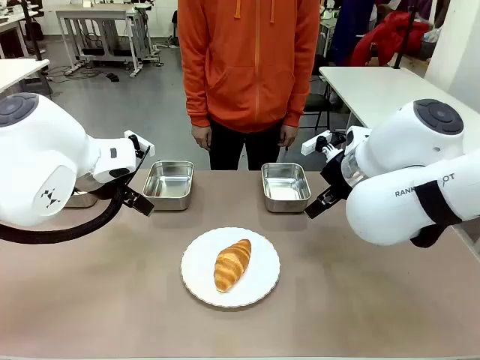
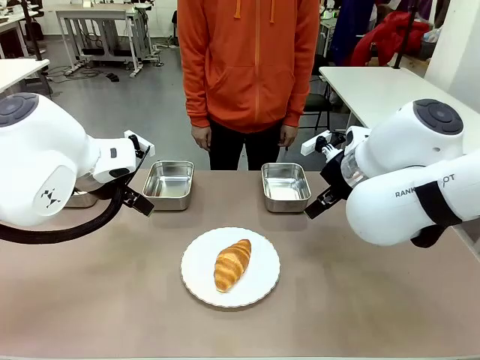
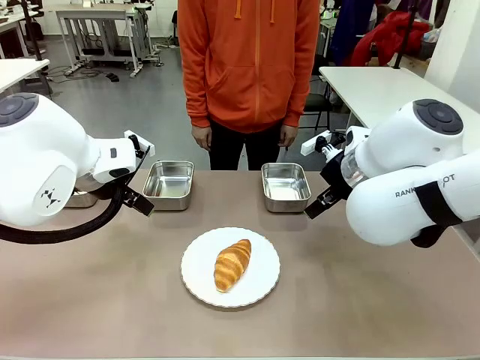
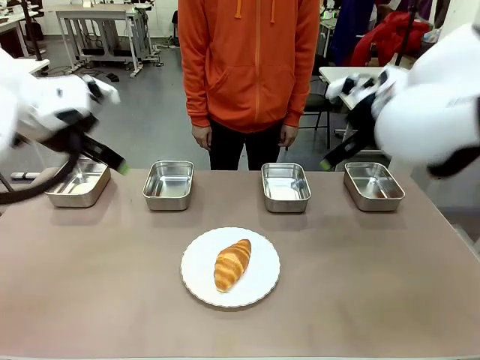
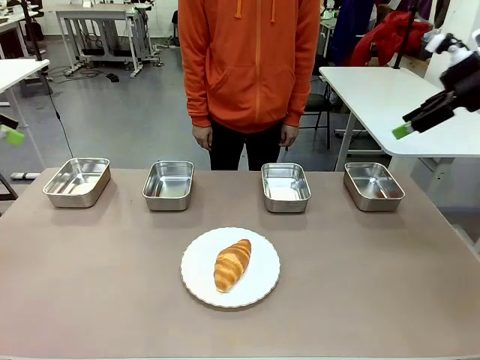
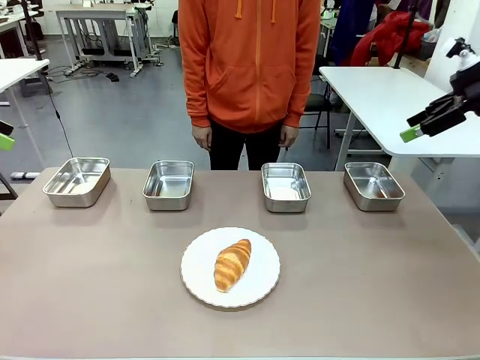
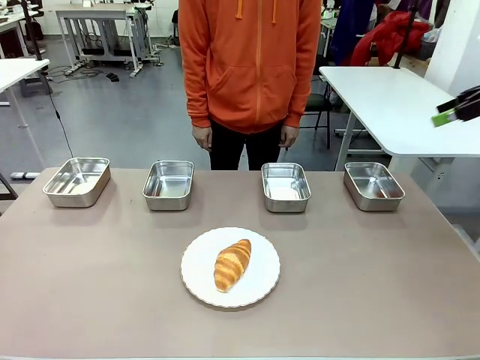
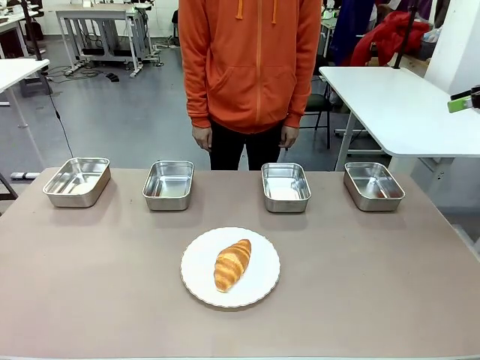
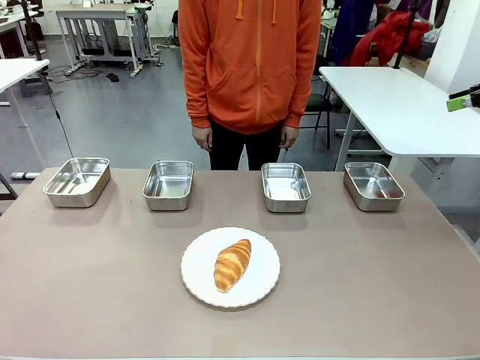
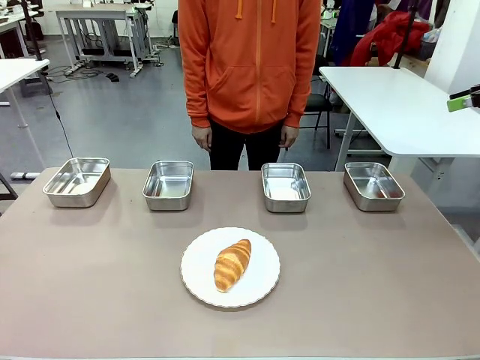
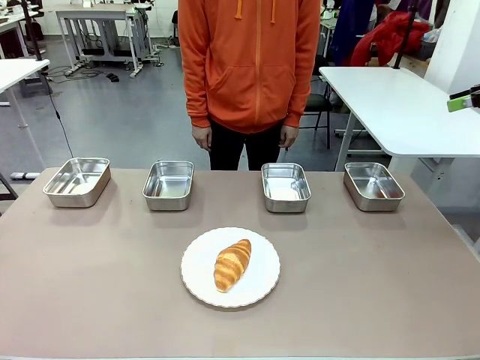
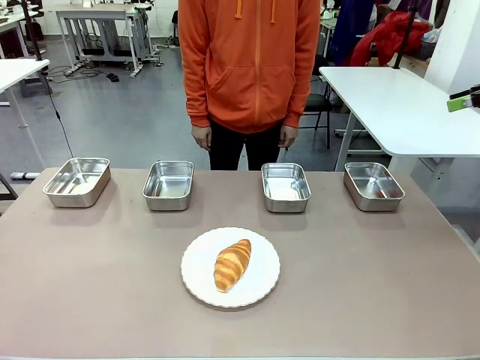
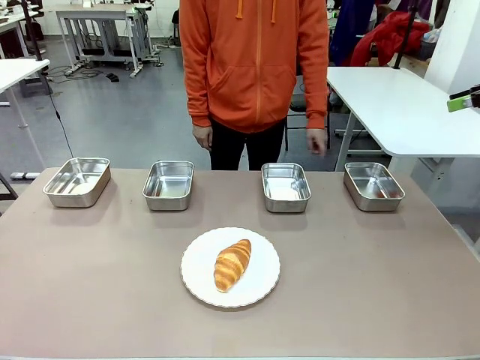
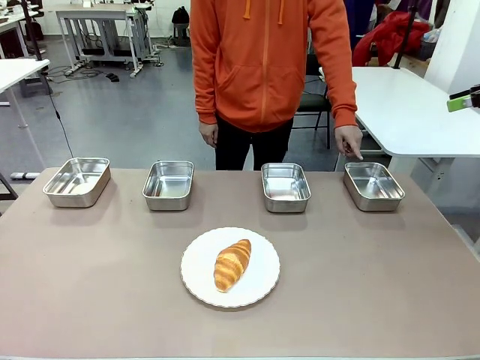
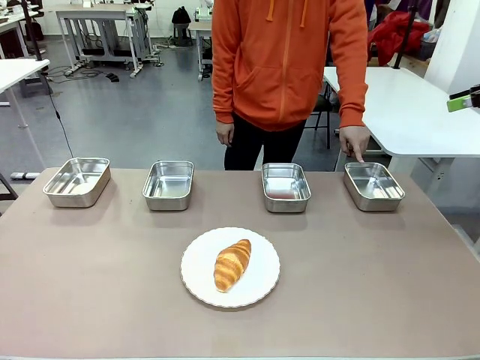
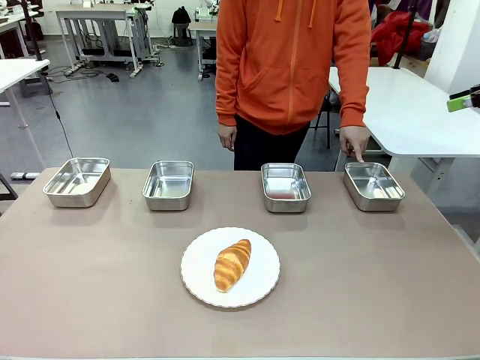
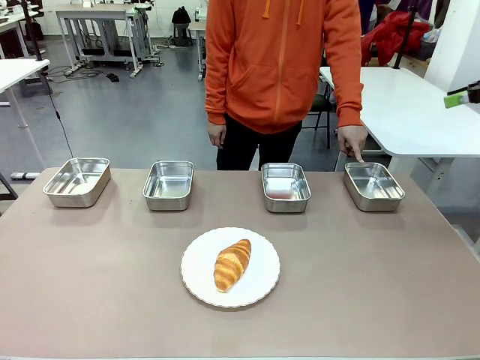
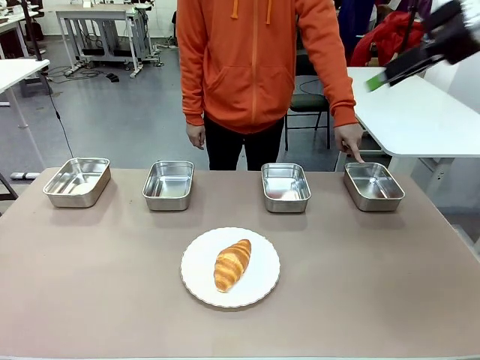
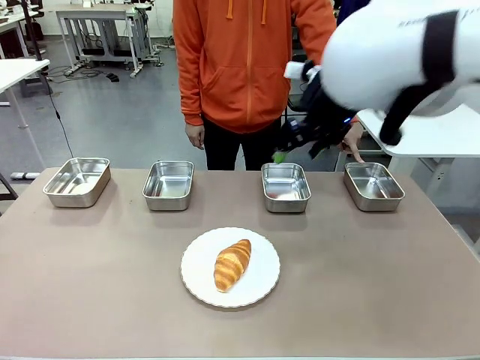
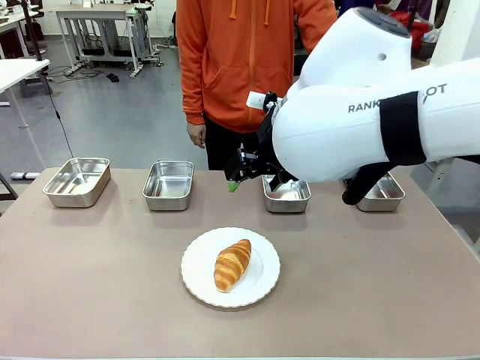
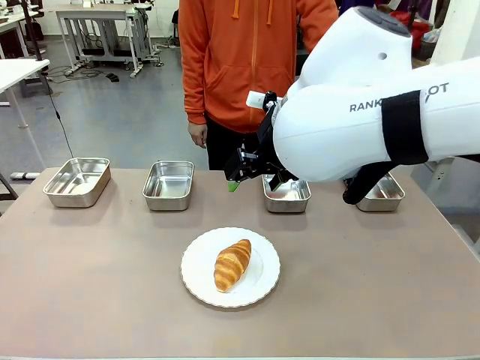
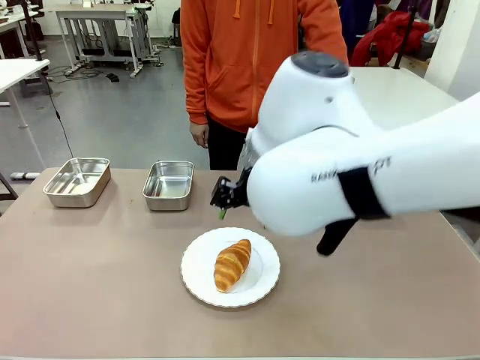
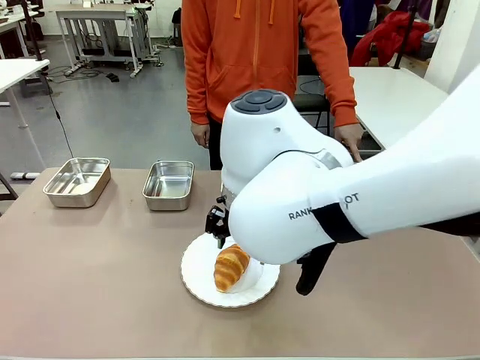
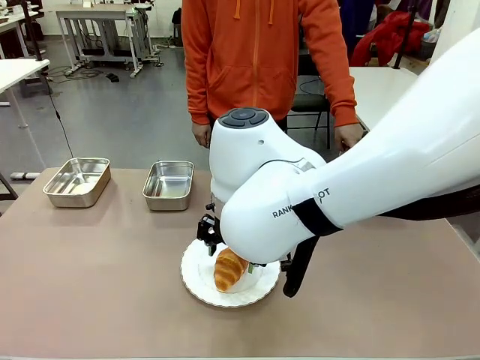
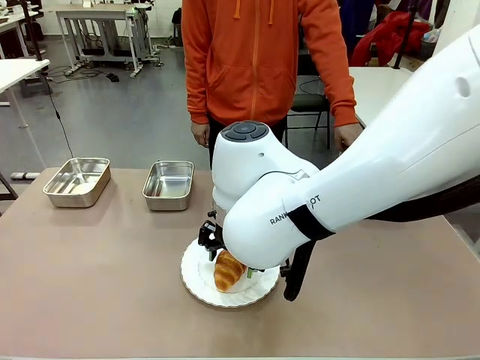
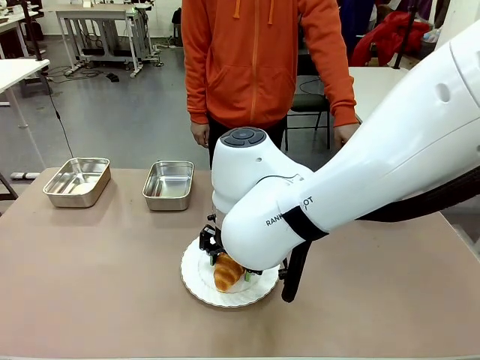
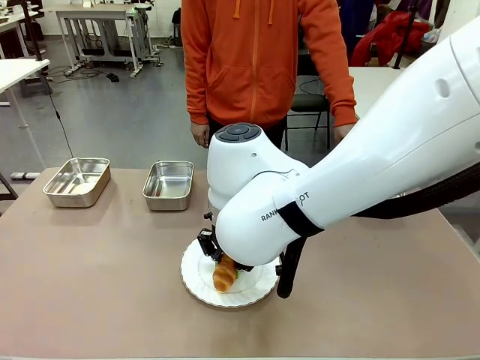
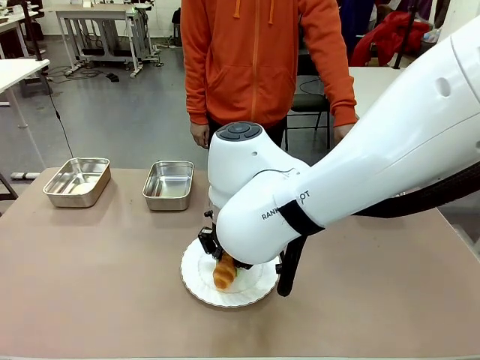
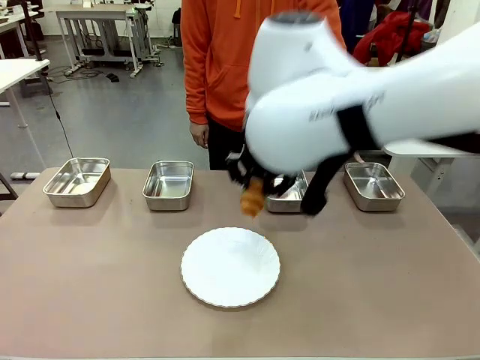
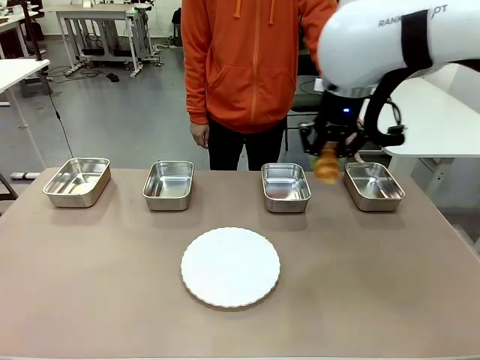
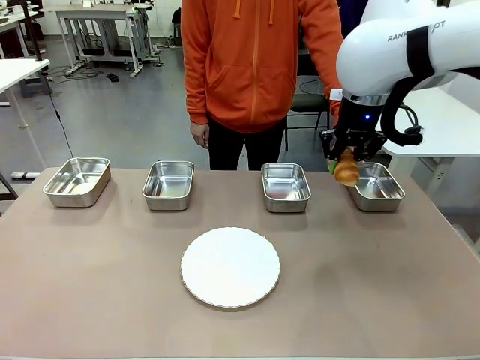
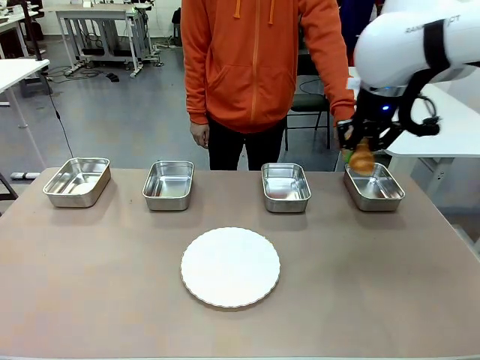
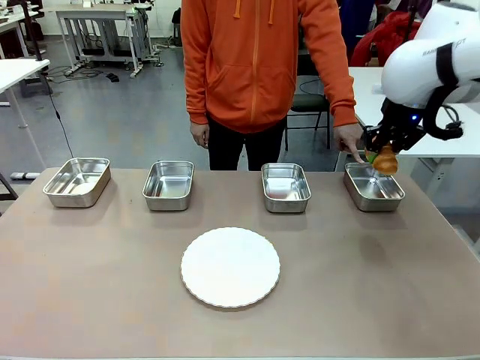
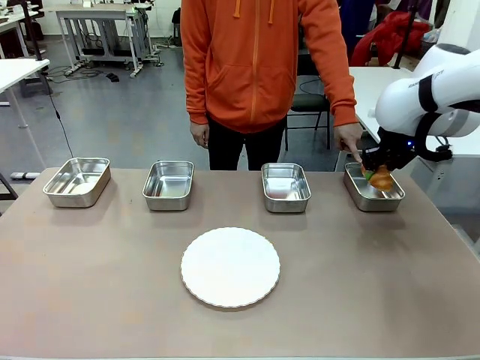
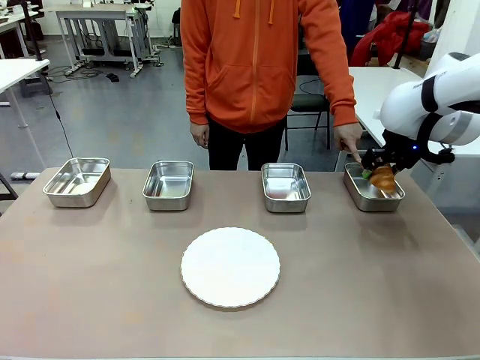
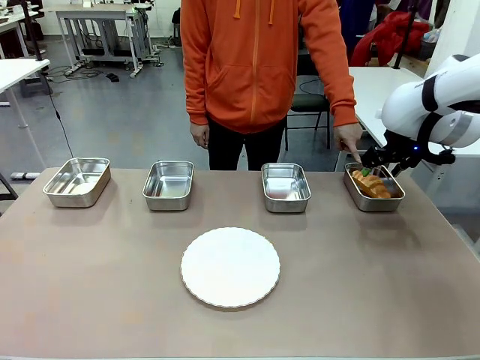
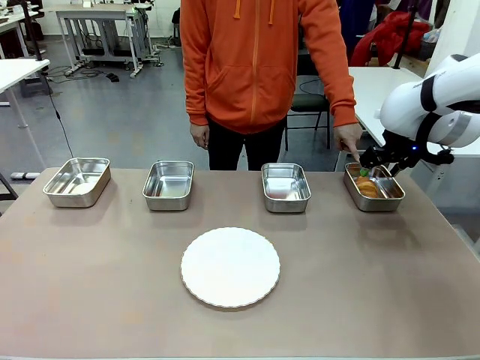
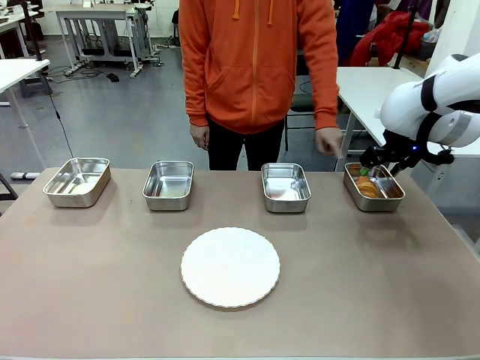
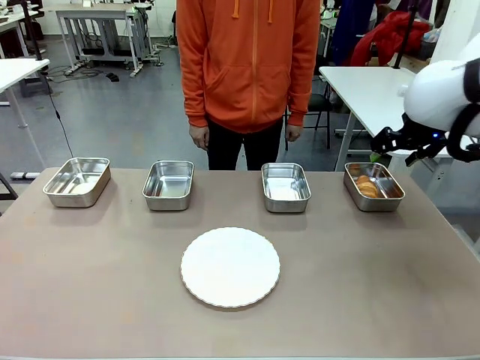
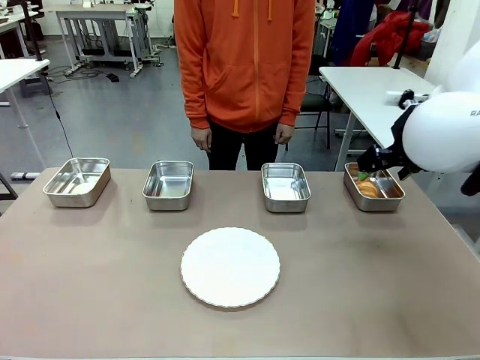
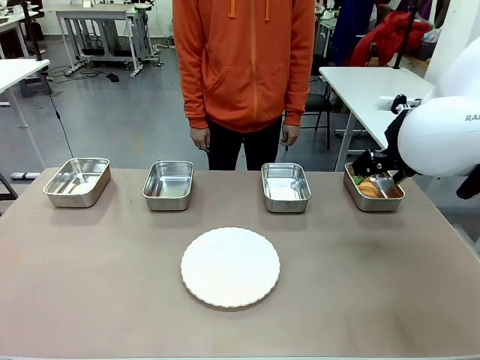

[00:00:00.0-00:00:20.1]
Task: Place the bread in the container.
Robot: Place the Butter Roll into the Airtight Container indicated by the human.
Person: A person randomly selects and points to an Airtight Container.
